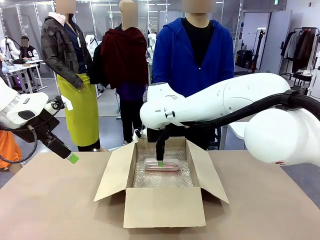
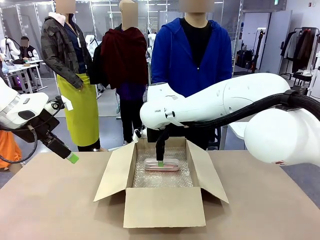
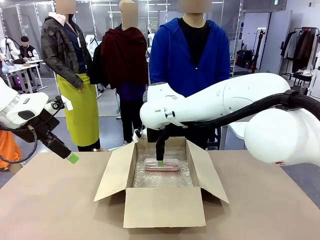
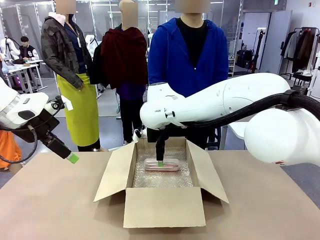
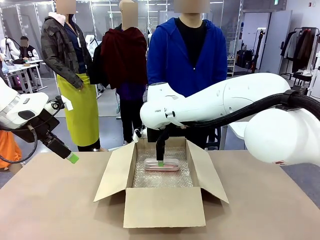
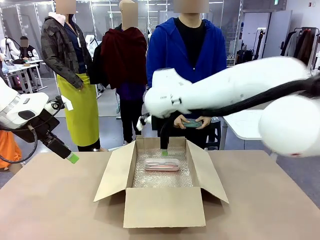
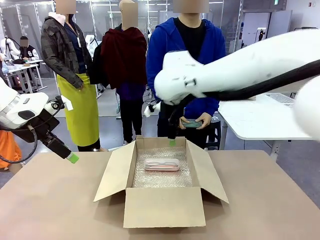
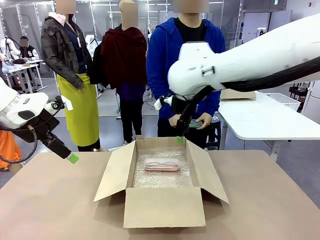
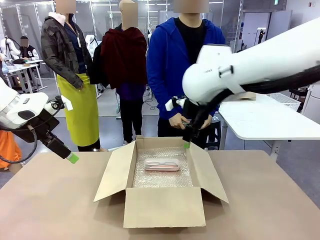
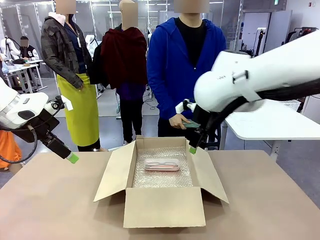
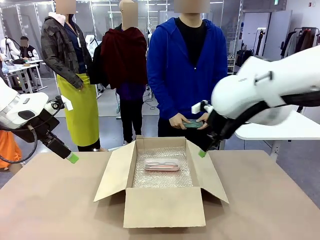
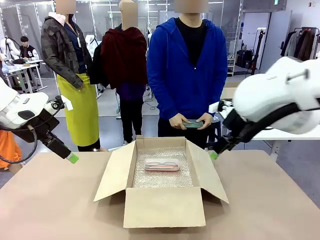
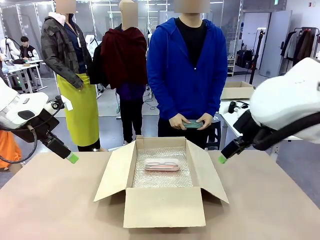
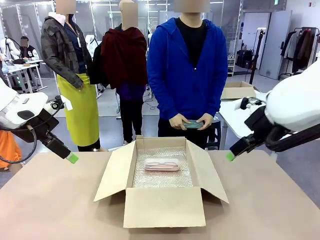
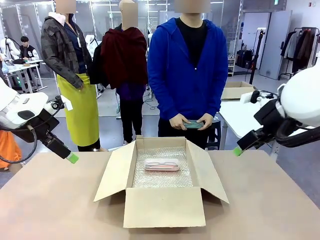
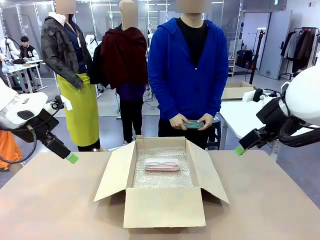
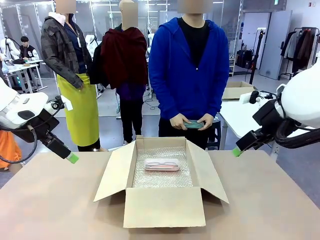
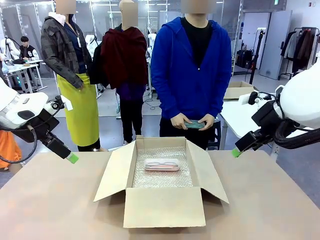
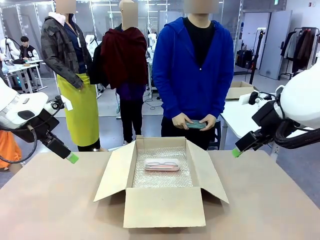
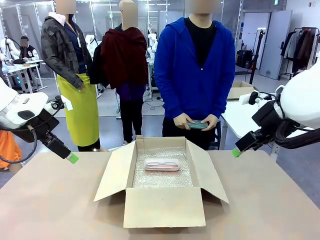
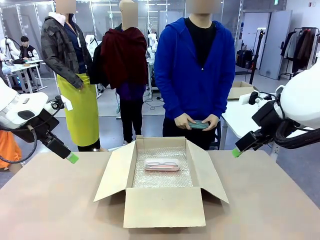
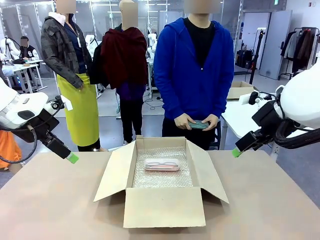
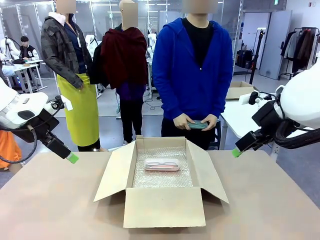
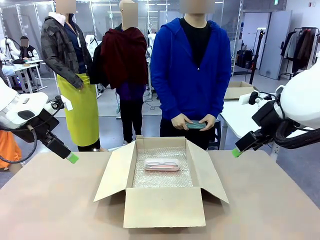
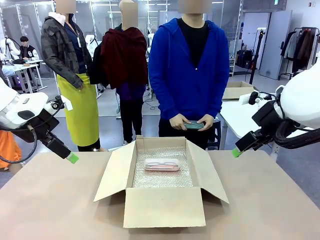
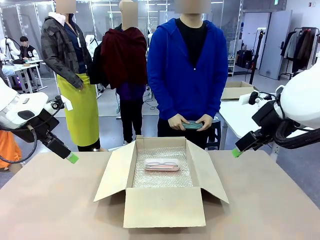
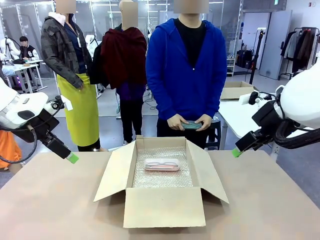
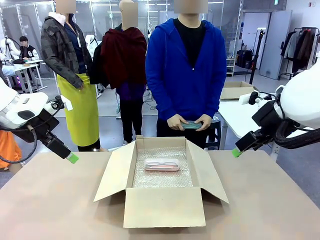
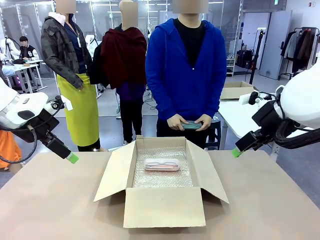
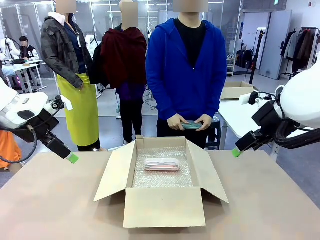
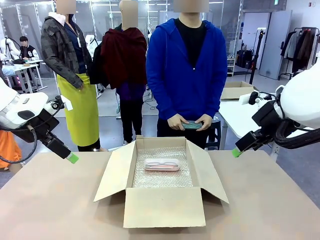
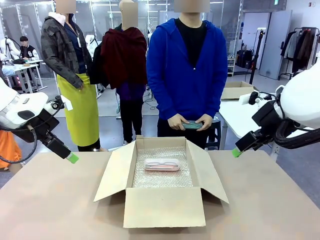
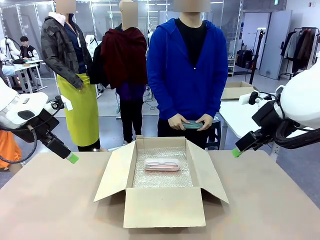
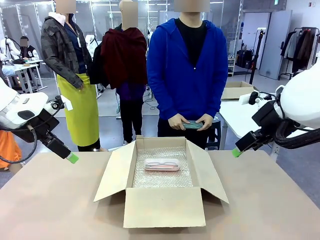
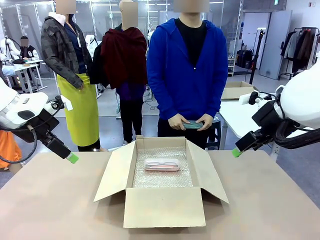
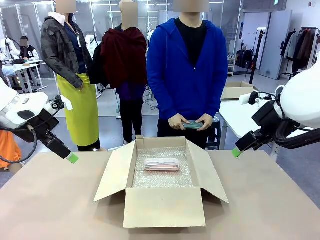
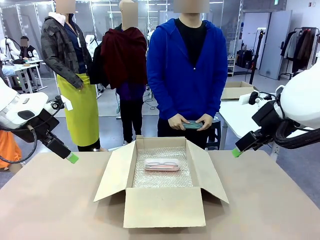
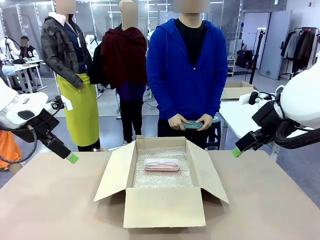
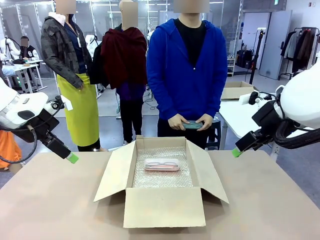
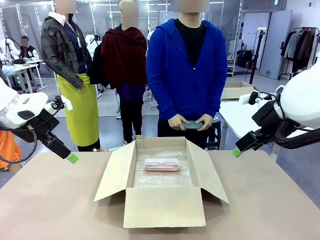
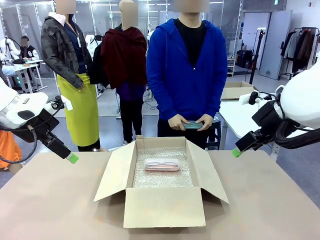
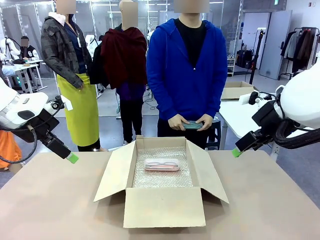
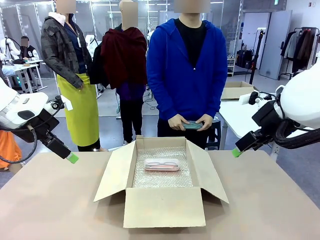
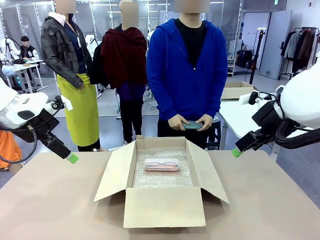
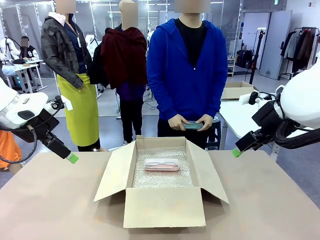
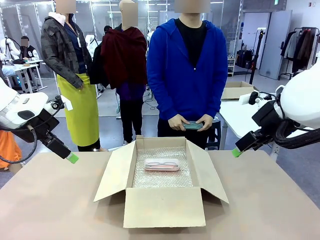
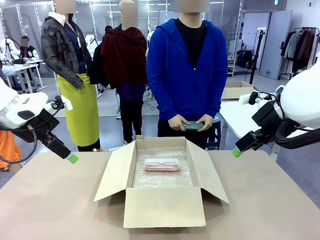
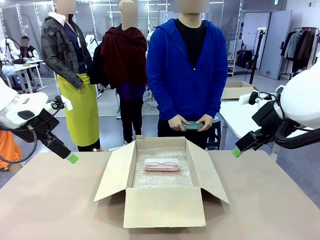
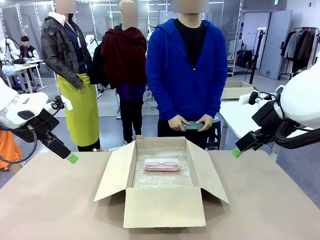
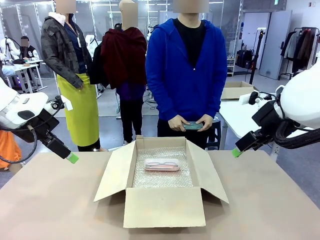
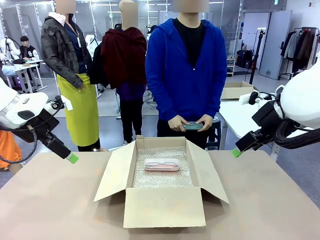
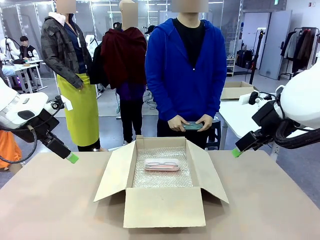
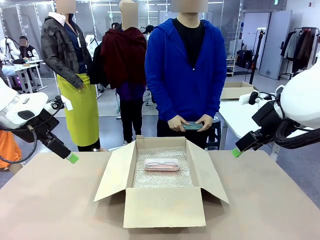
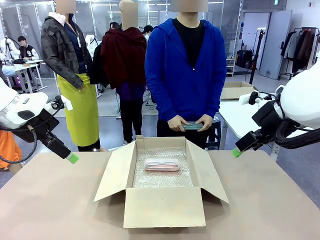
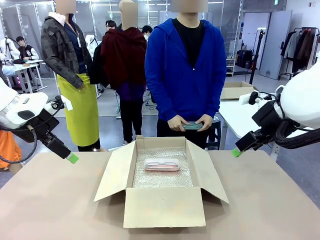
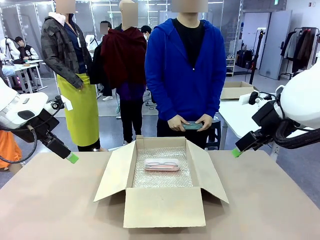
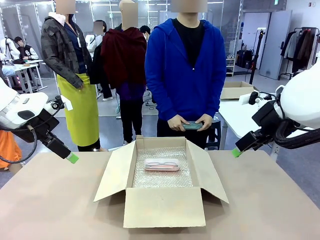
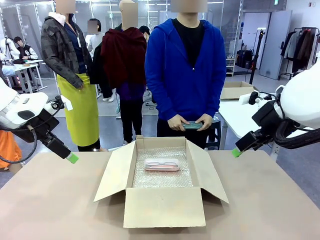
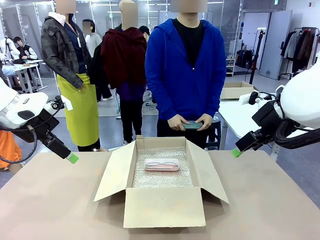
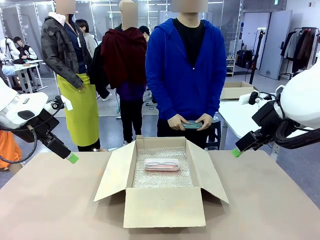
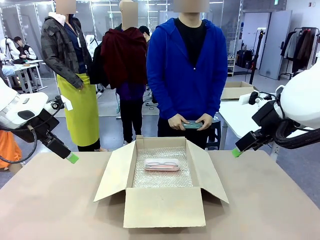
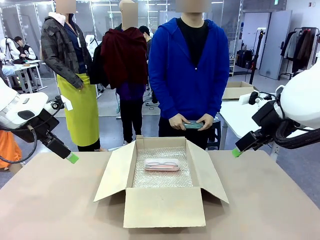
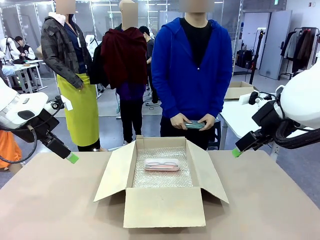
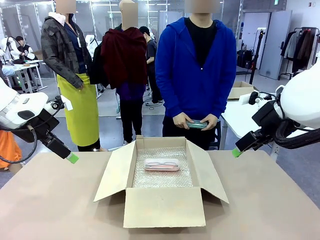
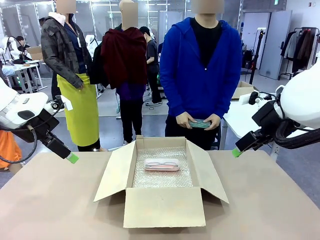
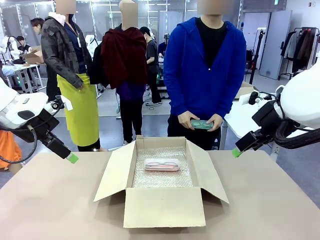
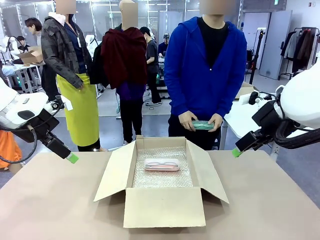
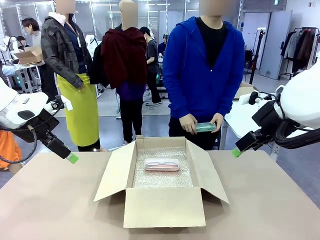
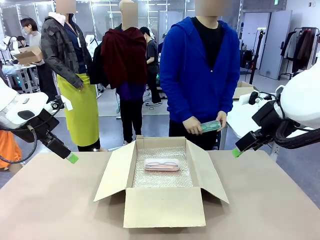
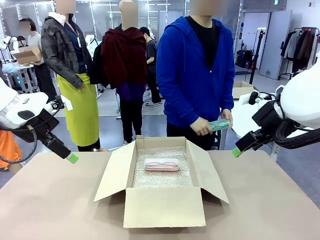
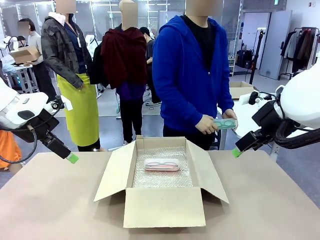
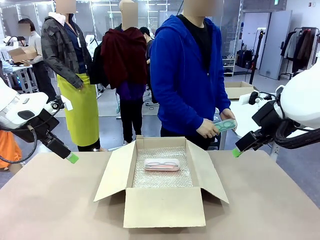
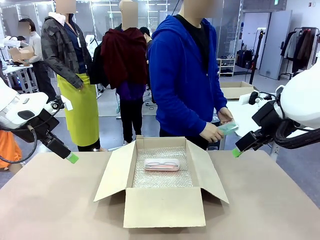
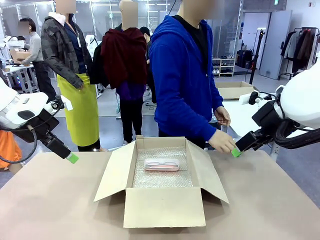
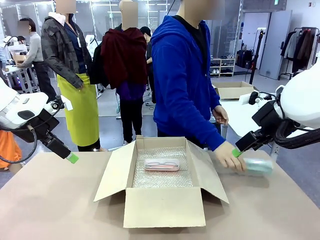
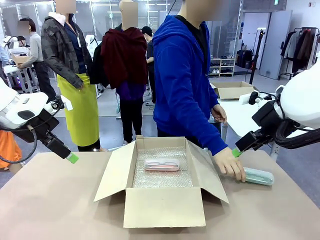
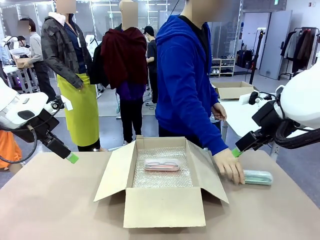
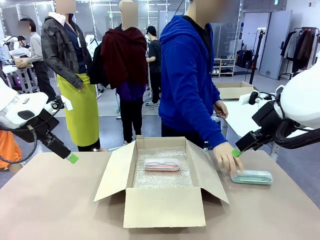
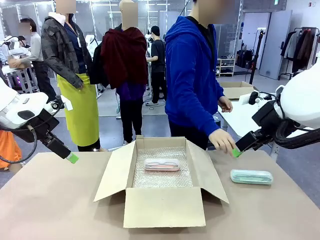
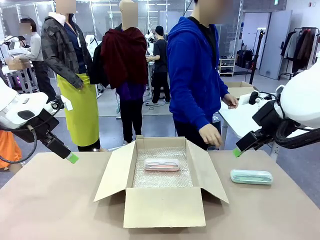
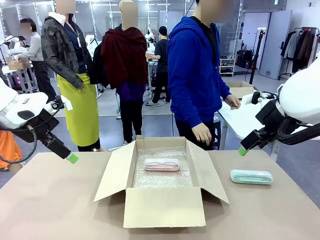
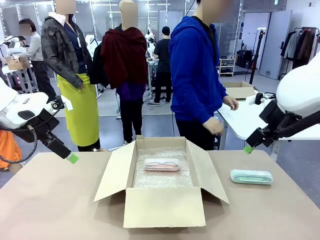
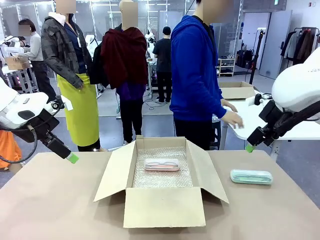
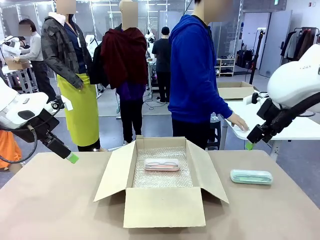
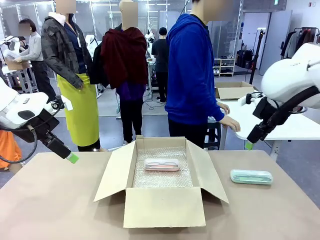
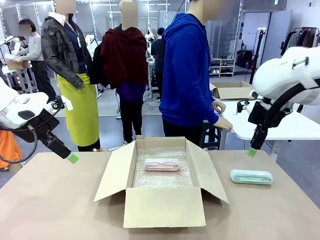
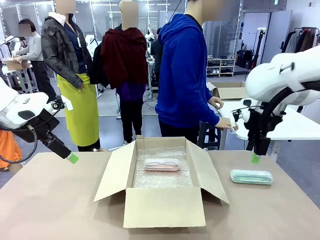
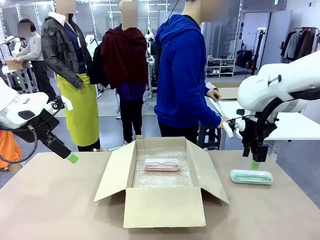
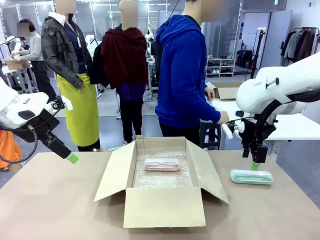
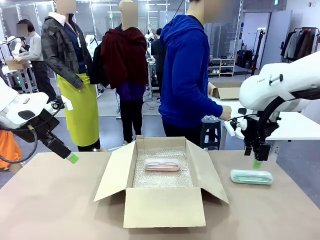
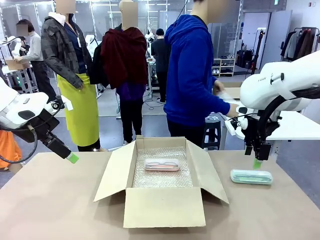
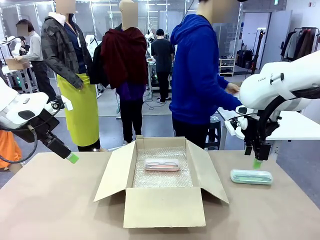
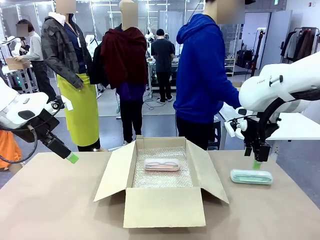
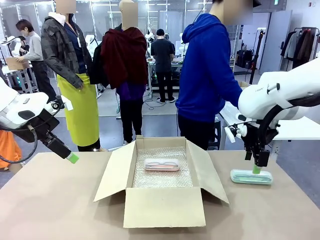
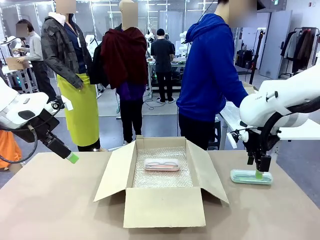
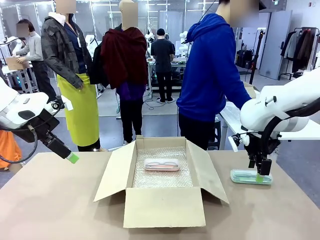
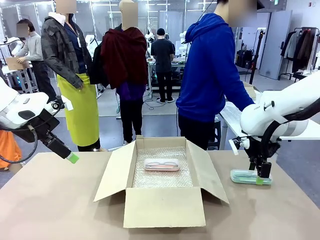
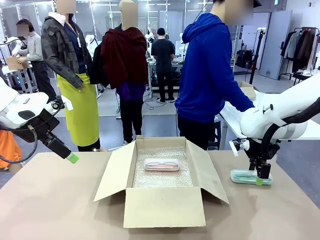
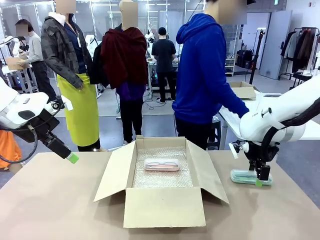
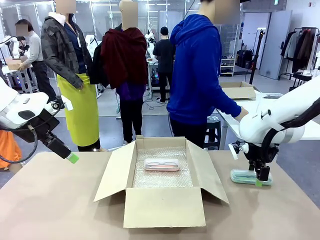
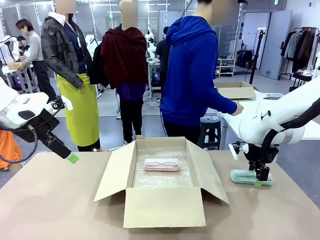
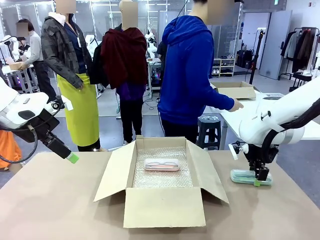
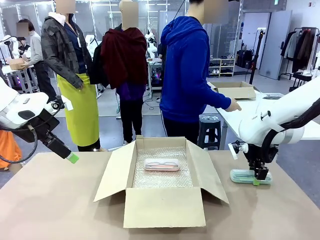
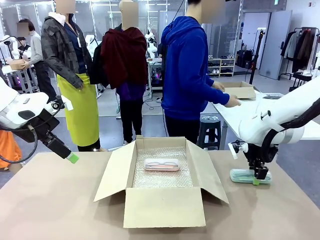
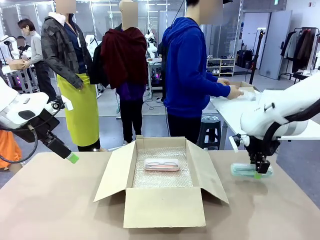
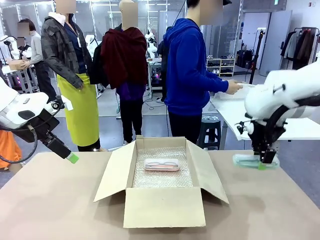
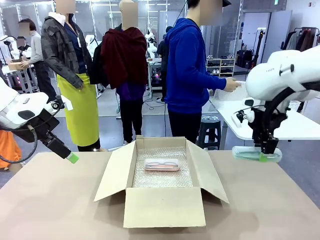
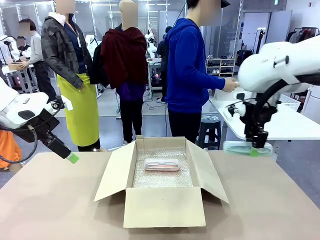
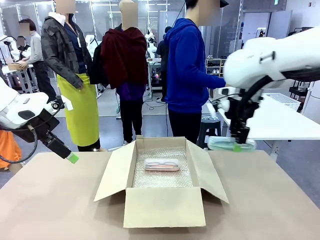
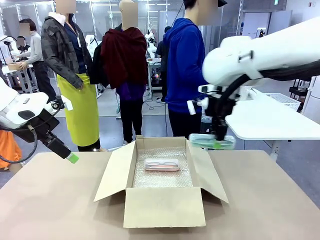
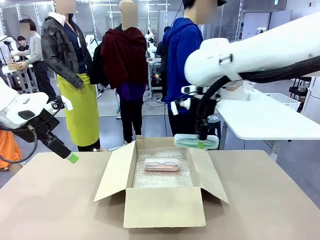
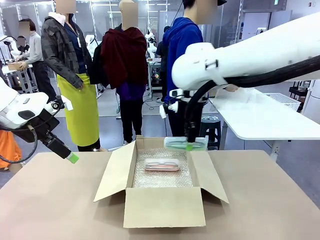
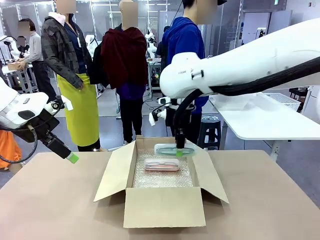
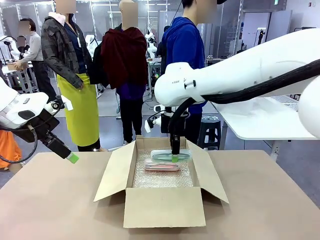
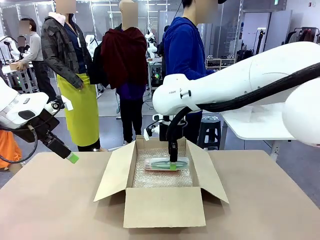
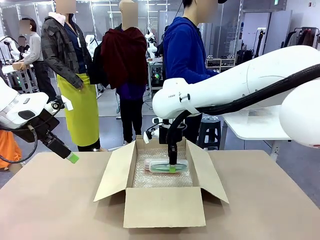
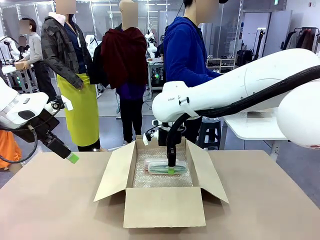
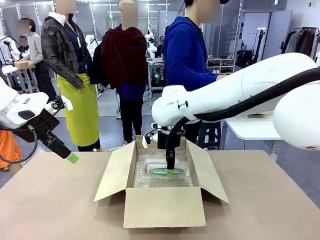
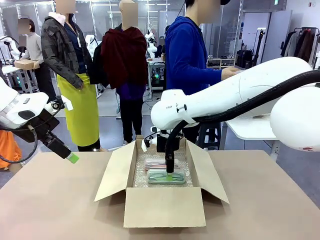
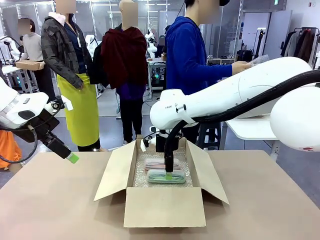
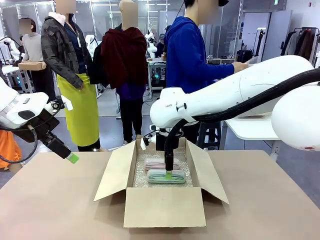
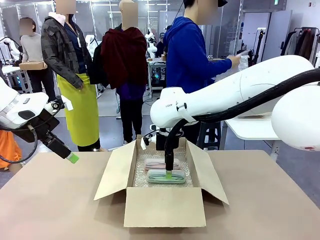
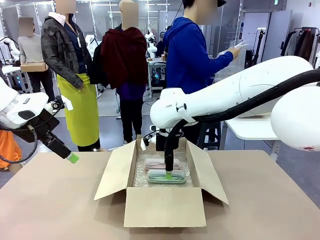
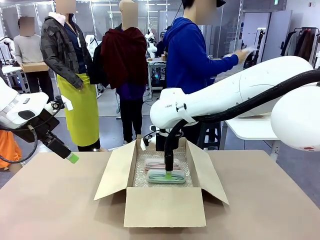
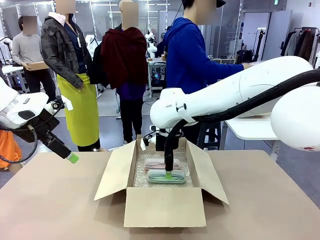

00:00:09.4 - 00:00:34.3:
Task: Pack the glasses set securely to prepare it for shipping.
Robot: Put the Glasses case from the right side of the table into the Package Box.
Person: Position the Glasses case on the left side of the robot's table.
